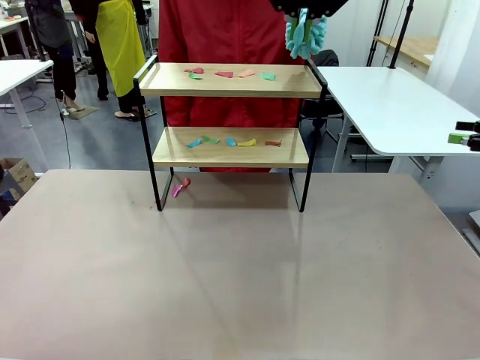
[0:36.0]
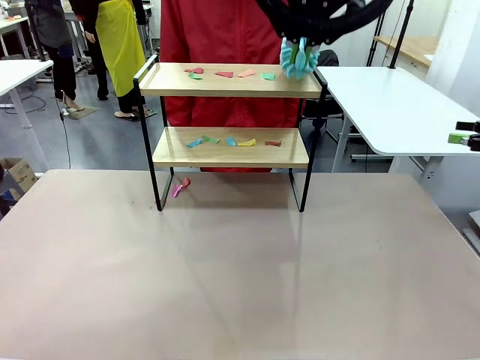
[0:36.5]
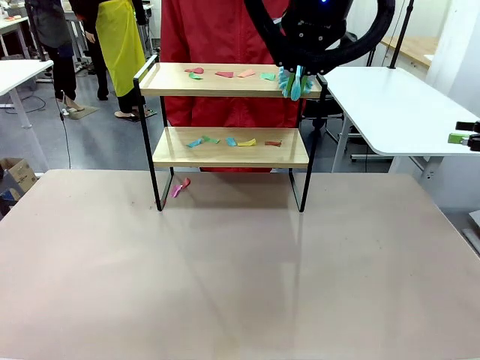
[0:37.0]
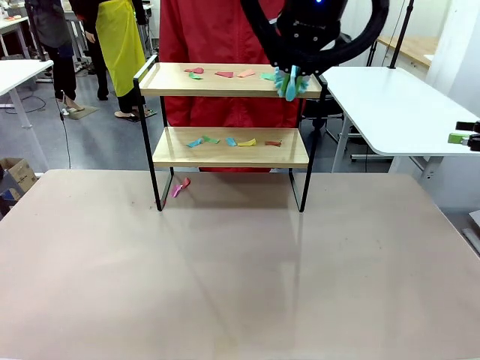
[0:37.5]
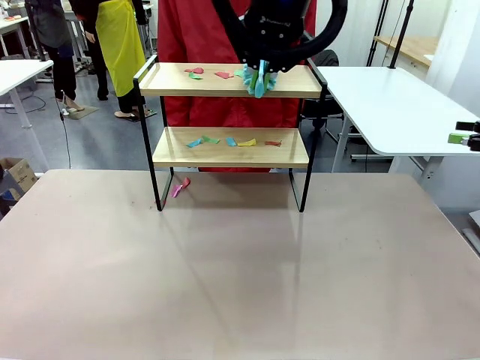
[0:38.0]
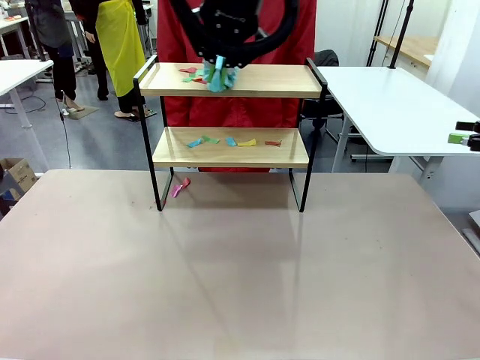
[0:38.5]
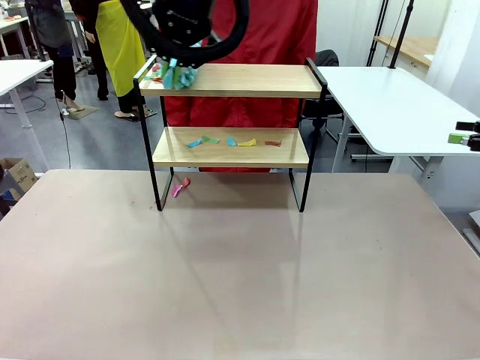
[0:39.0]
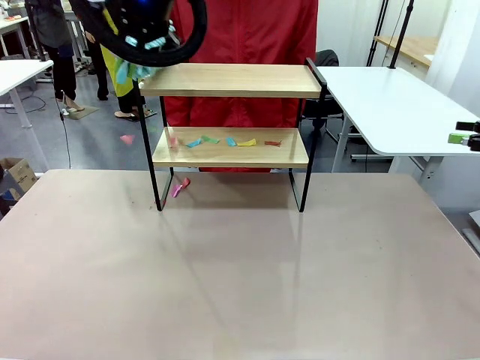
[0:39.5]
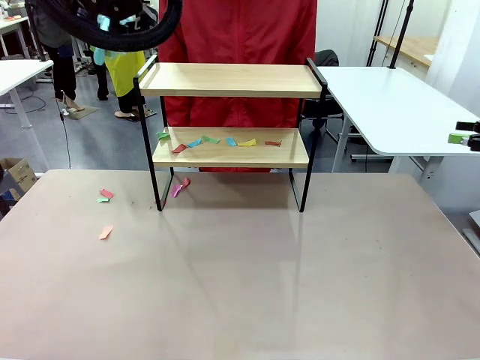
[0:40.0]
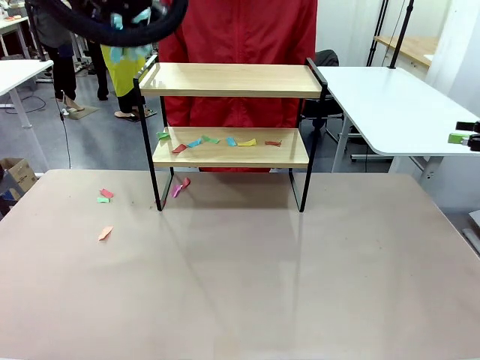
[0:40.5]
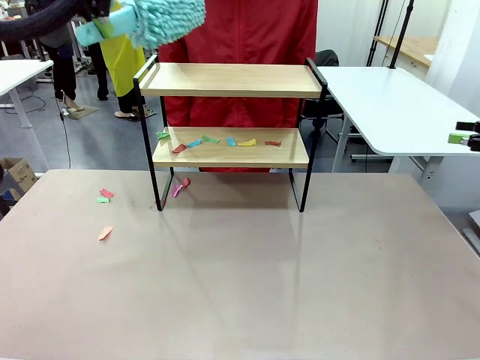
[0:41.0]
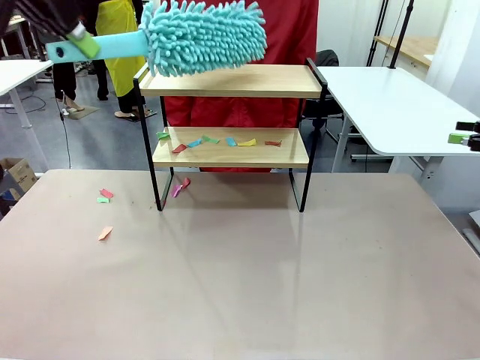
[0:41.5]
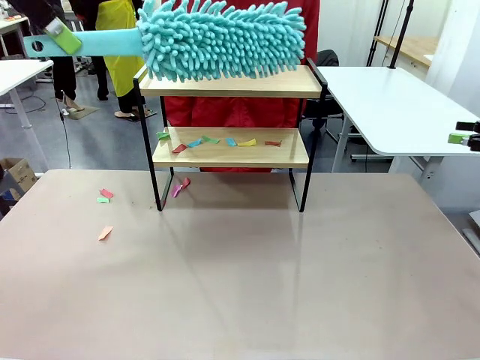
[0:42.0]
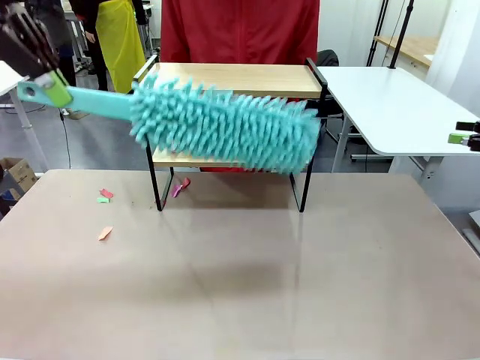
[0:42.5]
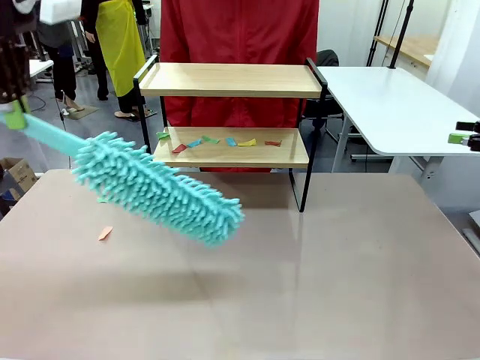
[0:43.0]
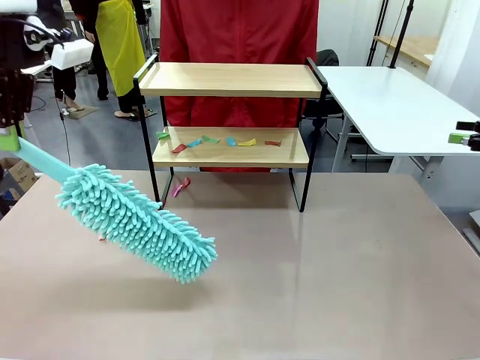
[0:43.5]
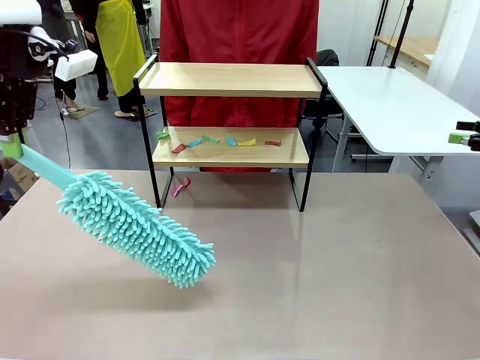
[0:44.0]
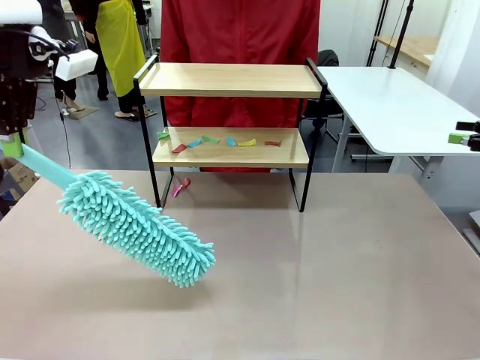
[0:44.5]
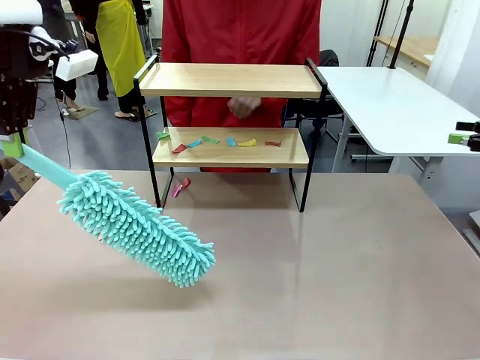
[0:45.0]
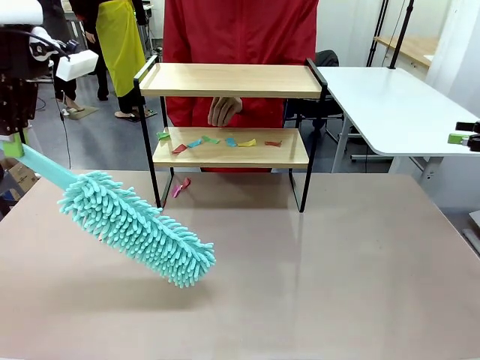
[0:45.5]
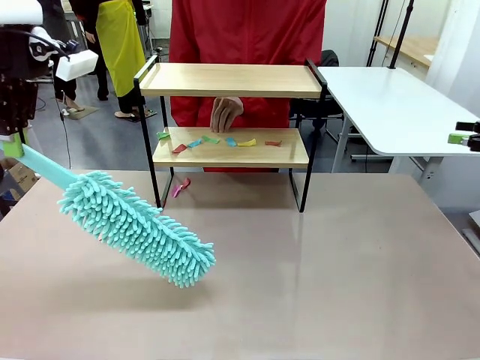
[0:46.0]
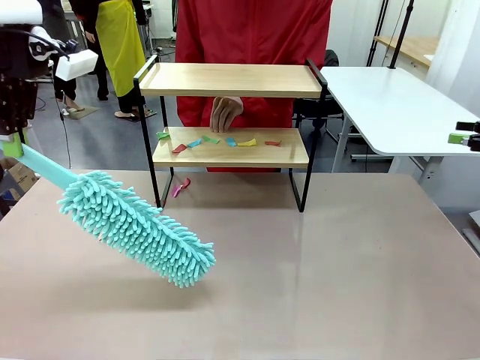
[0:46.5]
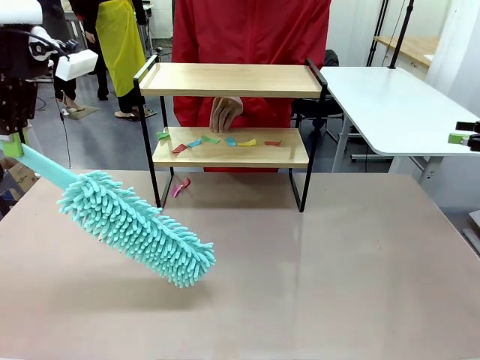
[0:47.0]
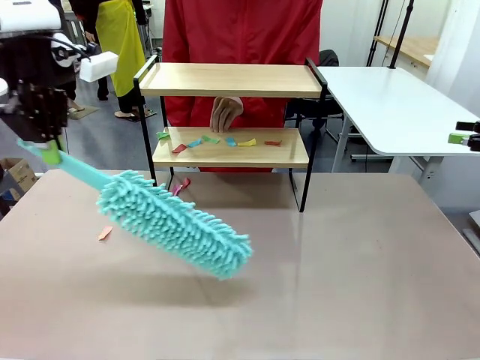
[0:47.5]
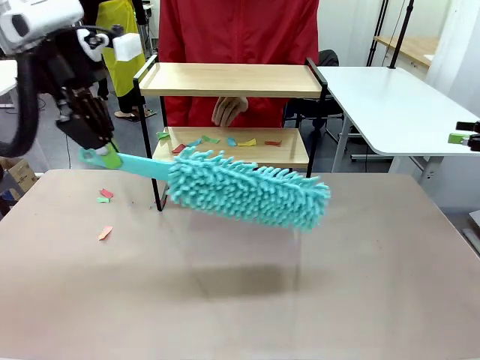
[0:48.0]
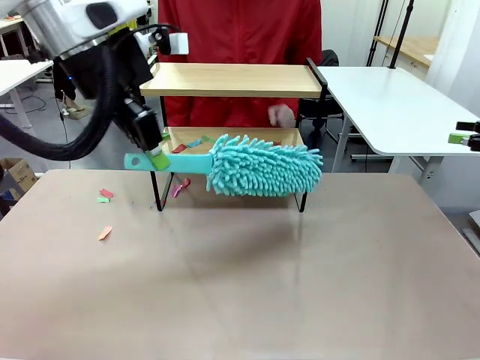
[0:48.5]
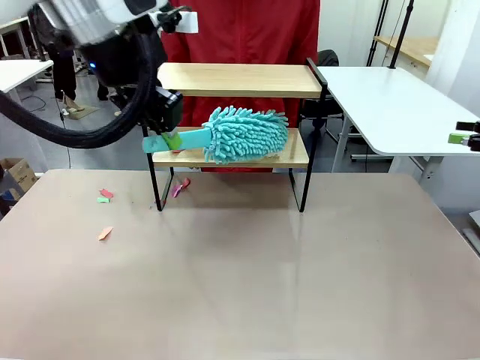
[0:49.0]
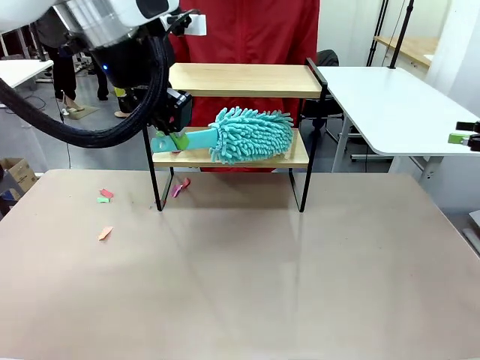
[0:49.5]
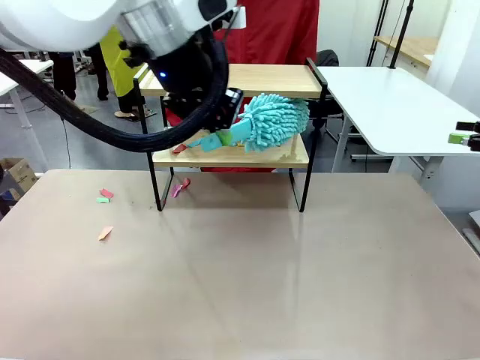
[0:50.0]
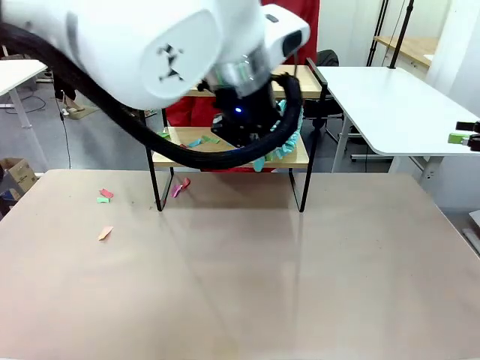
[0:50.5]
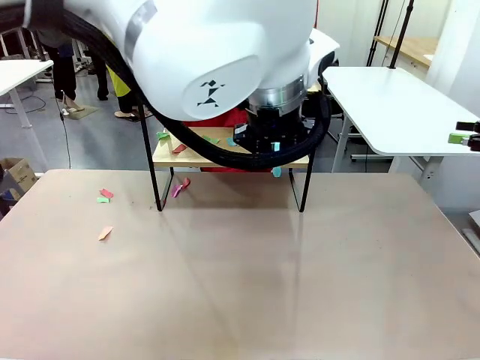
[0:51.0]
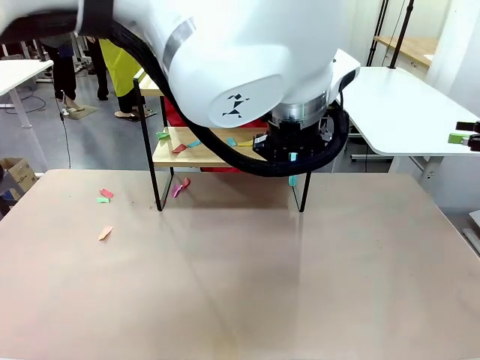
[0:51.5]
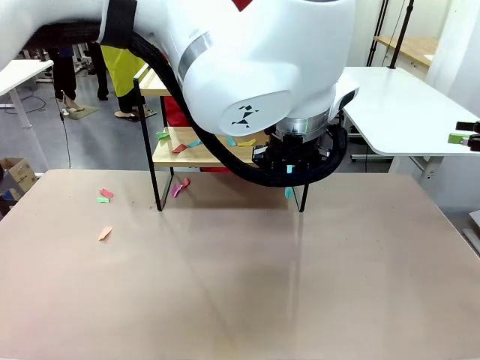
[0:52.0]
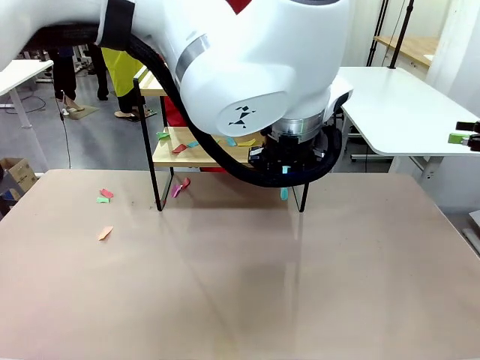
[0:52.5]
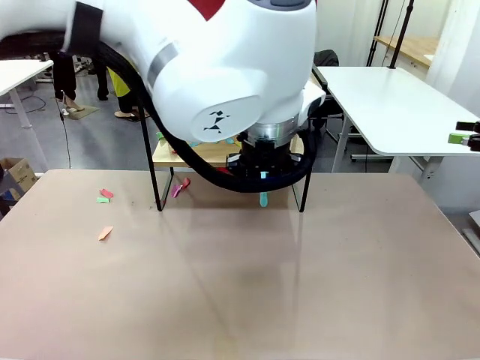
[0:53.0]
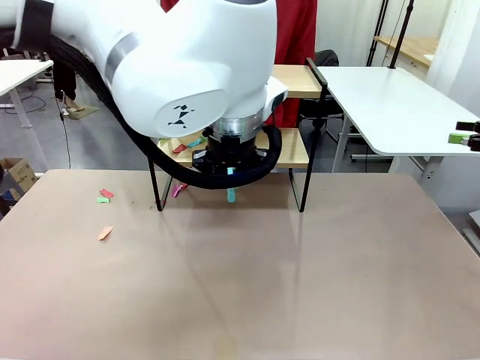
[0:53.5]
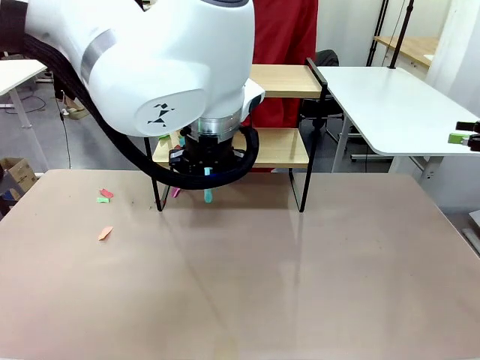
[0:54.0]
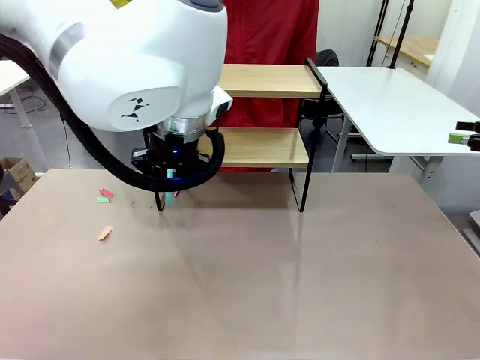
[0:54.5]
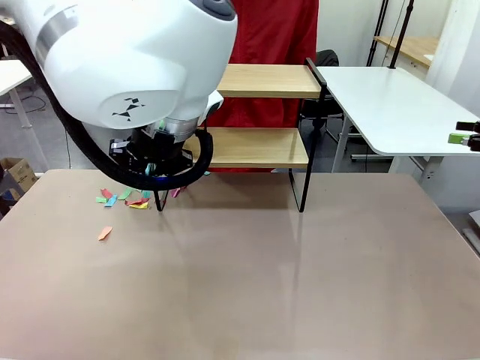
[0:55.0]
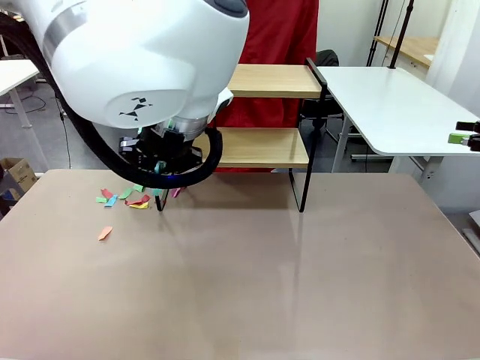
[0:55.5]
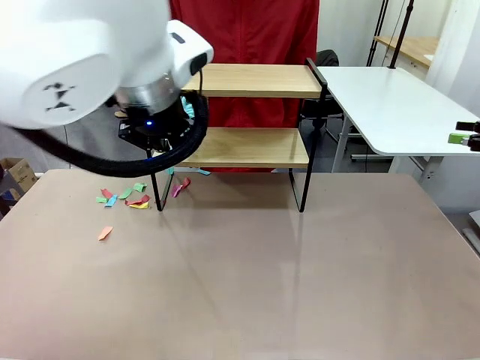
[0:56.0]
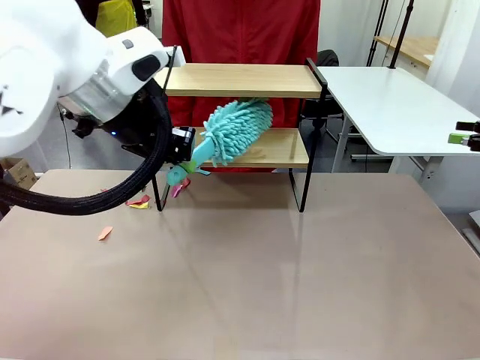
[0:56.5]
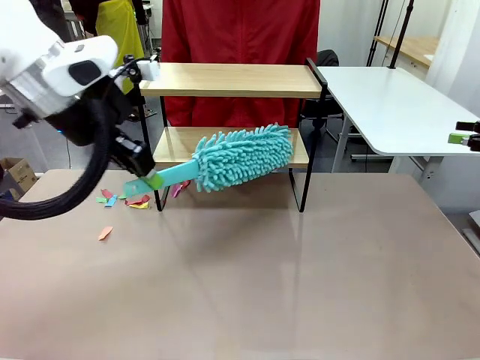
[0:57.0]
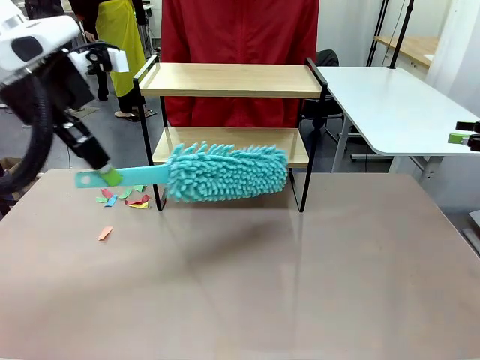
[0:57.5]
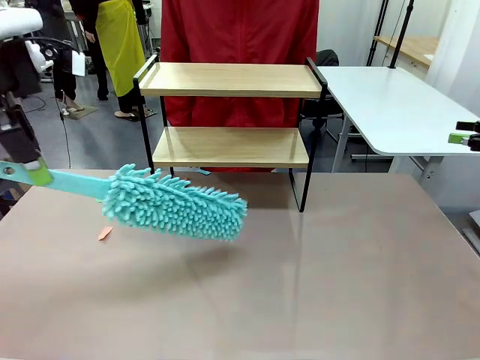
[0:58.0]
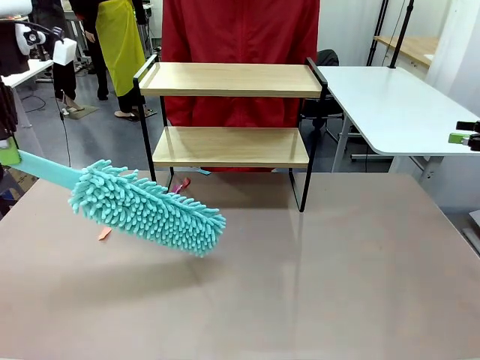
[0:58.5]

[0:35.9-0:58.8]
Task: Clean the shelf.
Robot: Clean the specific section of the Shelf indicated by the human with the Duster.
Person: Point a remaining section of the Shelf.
